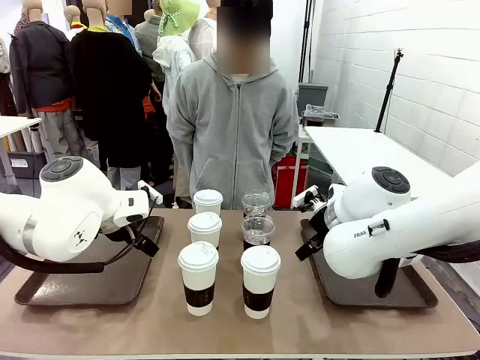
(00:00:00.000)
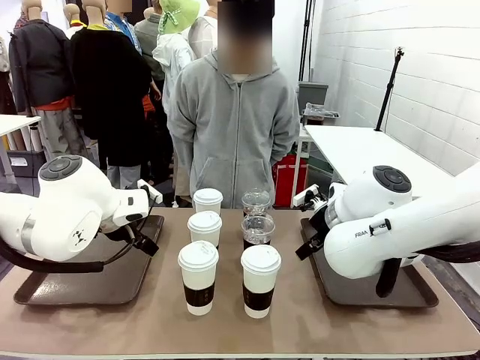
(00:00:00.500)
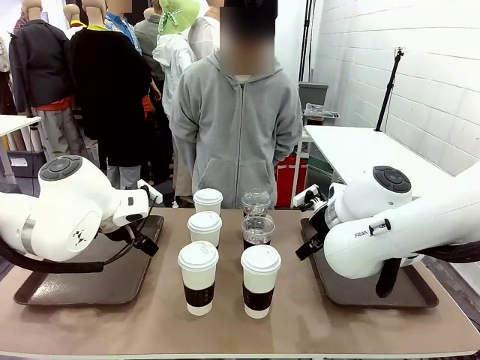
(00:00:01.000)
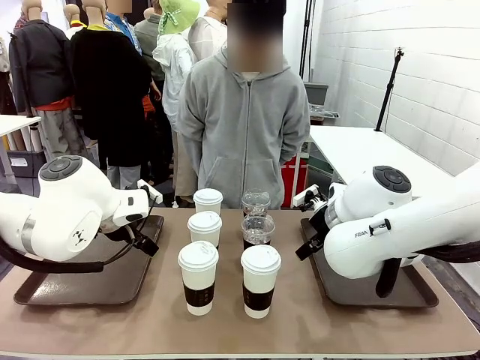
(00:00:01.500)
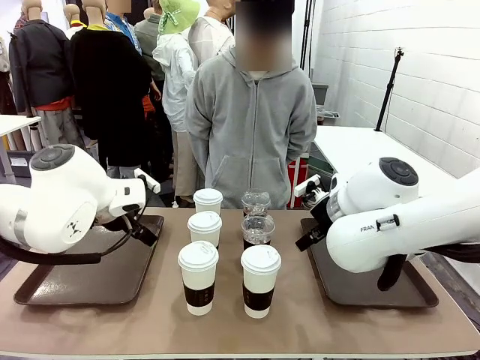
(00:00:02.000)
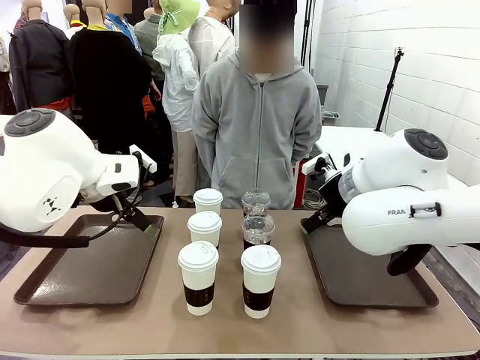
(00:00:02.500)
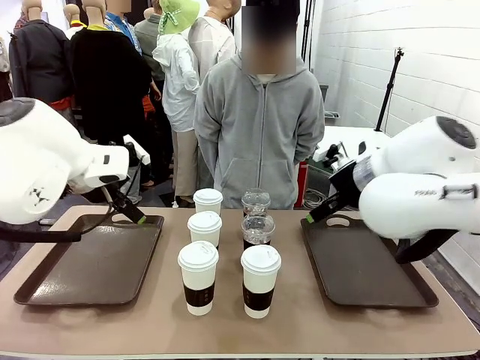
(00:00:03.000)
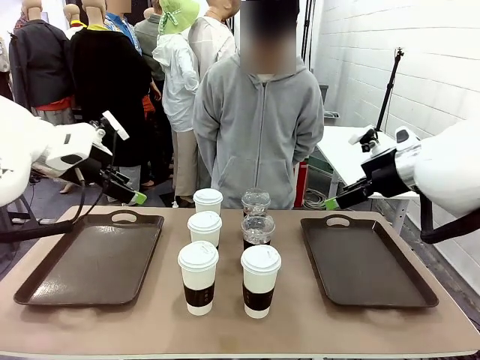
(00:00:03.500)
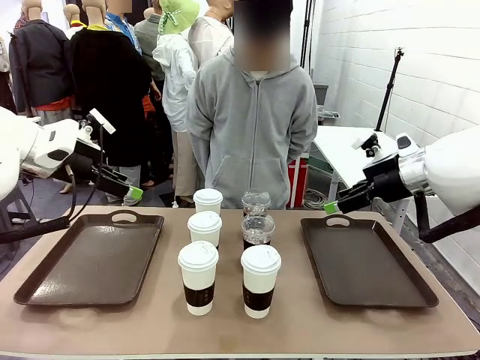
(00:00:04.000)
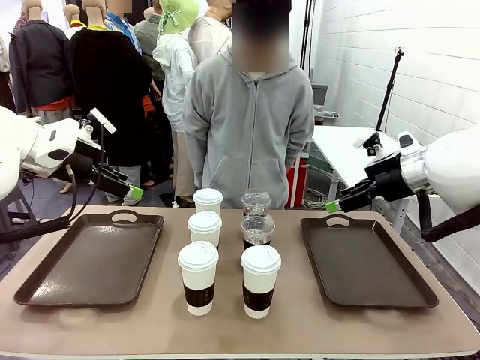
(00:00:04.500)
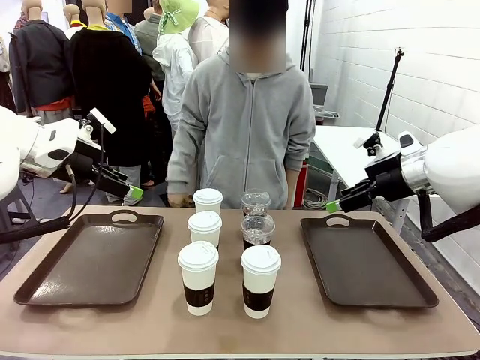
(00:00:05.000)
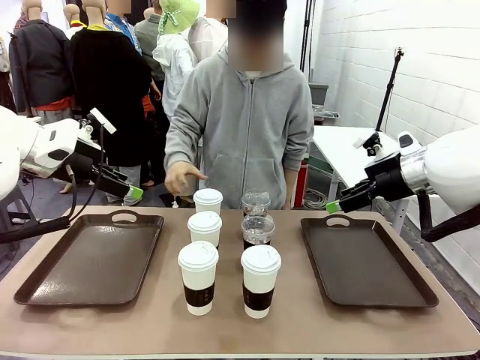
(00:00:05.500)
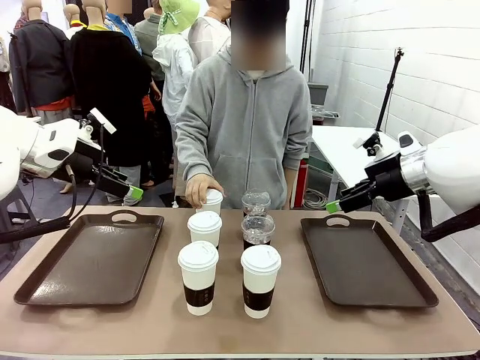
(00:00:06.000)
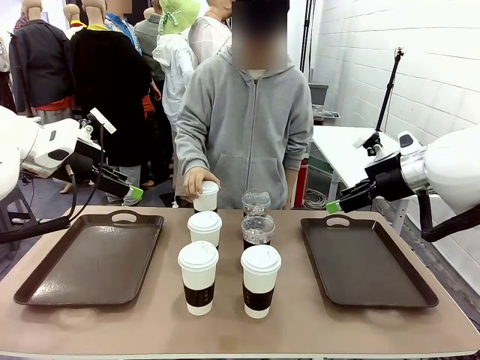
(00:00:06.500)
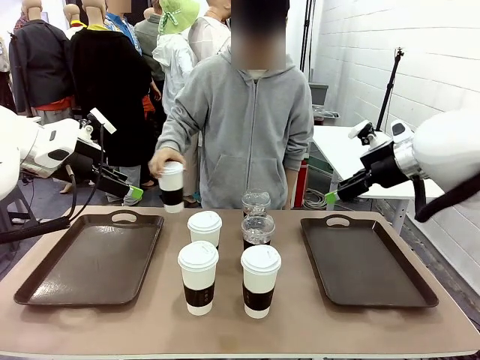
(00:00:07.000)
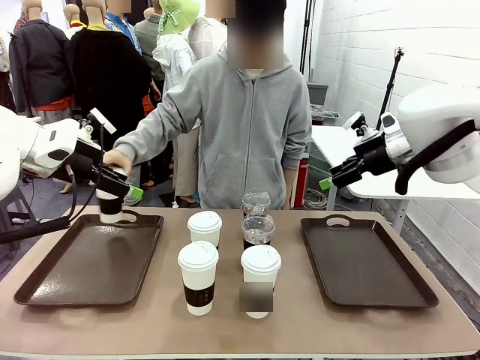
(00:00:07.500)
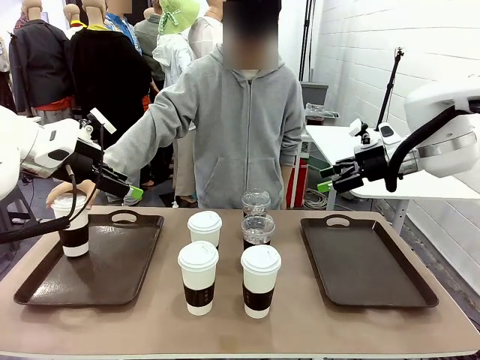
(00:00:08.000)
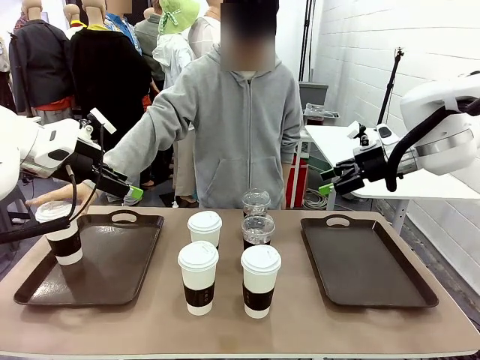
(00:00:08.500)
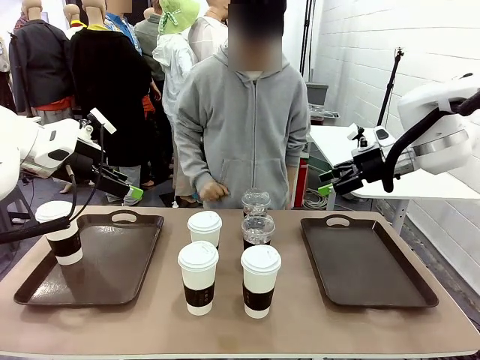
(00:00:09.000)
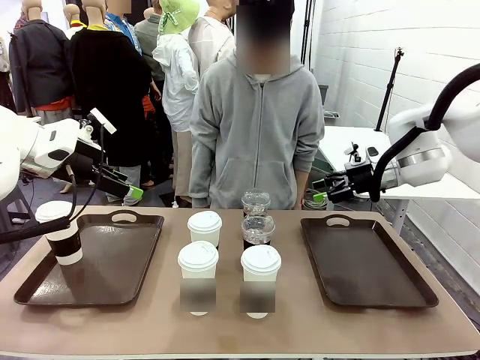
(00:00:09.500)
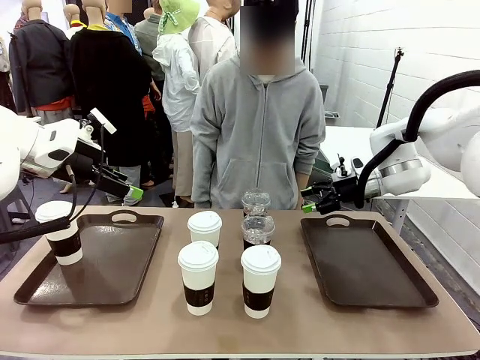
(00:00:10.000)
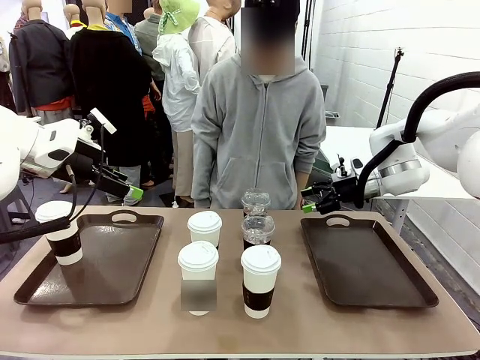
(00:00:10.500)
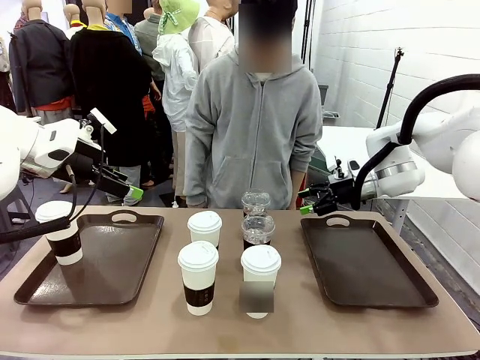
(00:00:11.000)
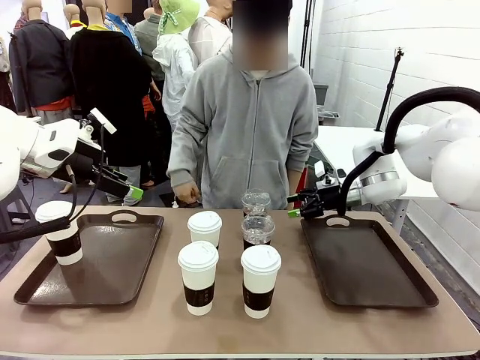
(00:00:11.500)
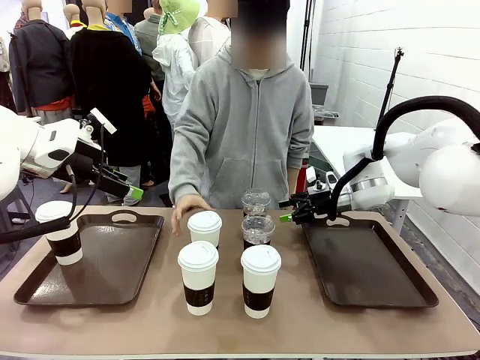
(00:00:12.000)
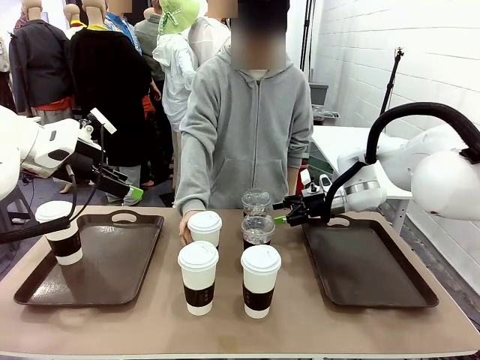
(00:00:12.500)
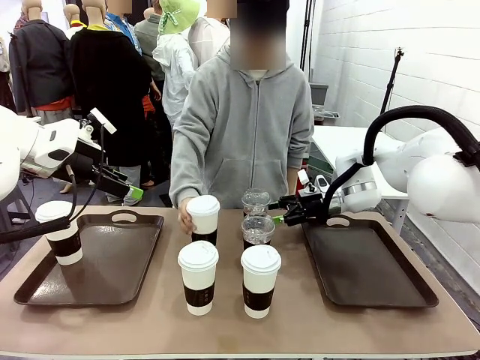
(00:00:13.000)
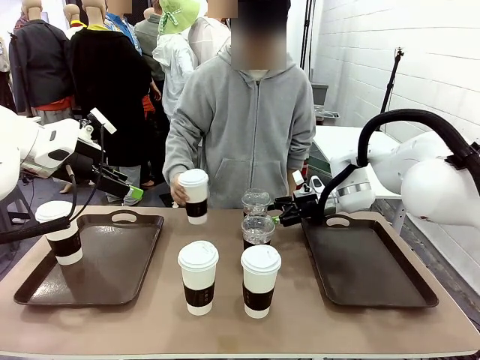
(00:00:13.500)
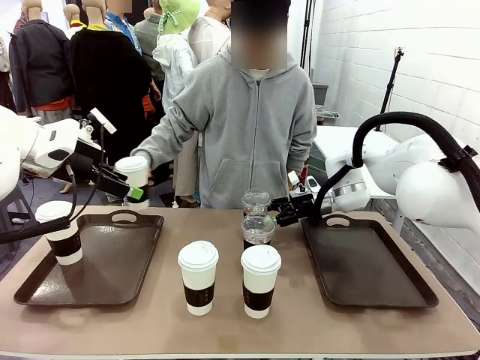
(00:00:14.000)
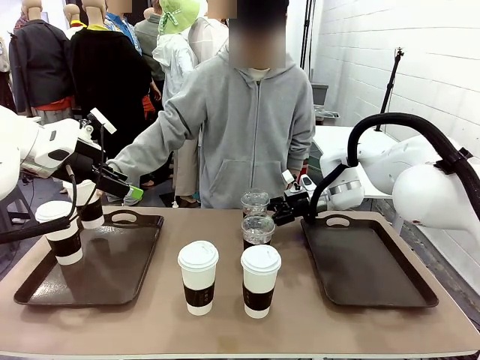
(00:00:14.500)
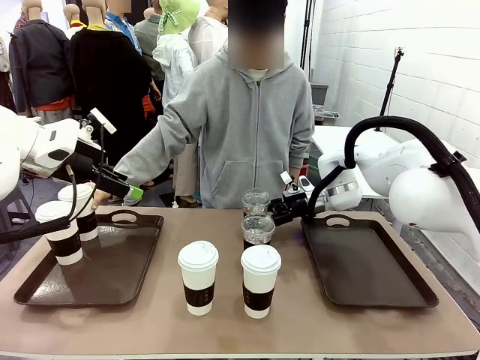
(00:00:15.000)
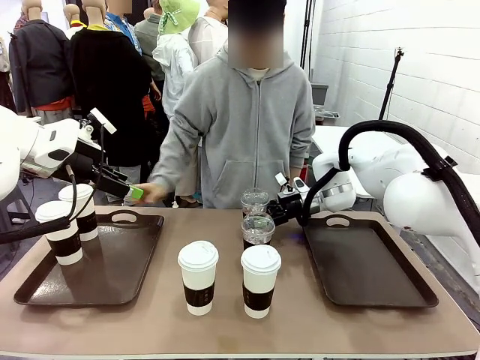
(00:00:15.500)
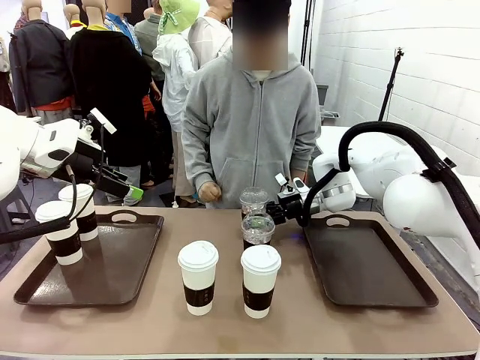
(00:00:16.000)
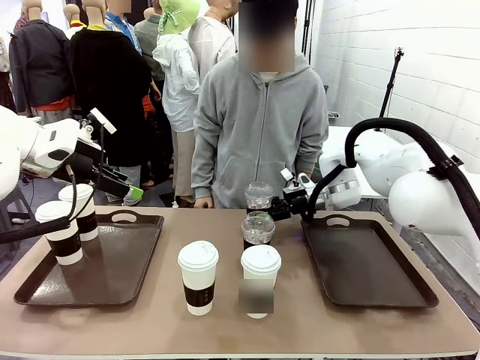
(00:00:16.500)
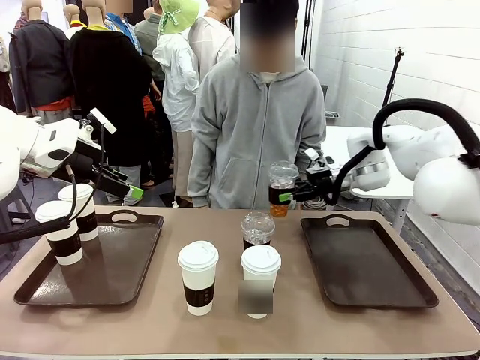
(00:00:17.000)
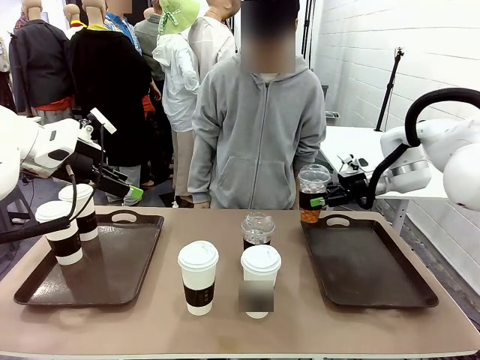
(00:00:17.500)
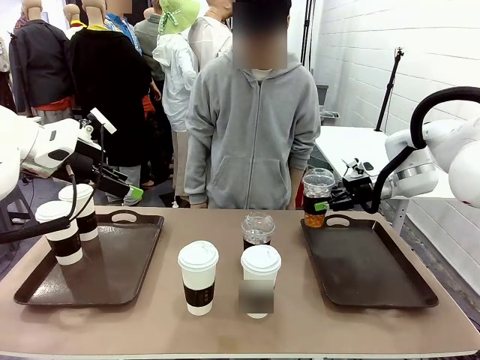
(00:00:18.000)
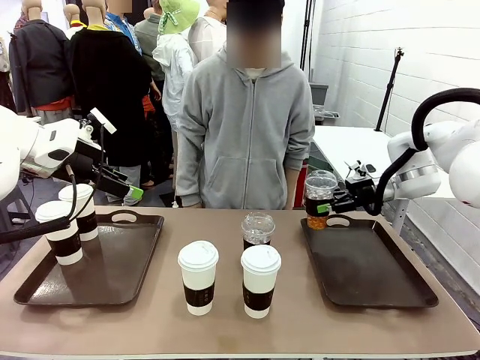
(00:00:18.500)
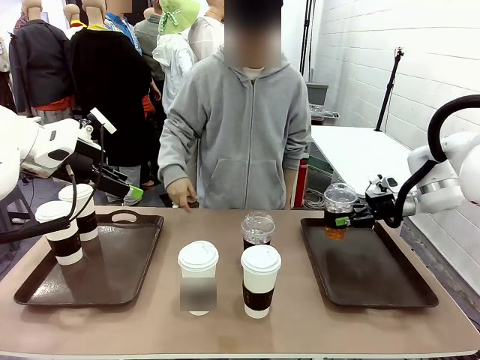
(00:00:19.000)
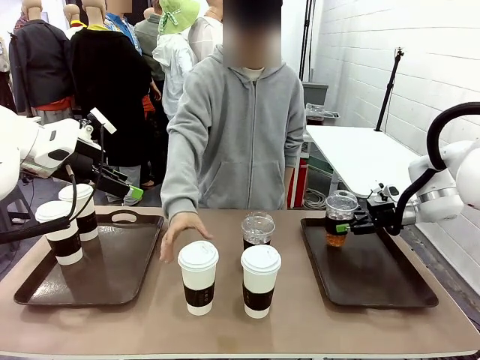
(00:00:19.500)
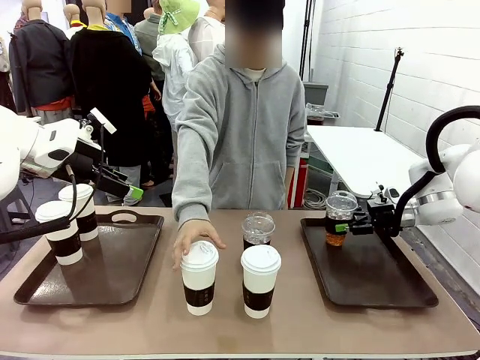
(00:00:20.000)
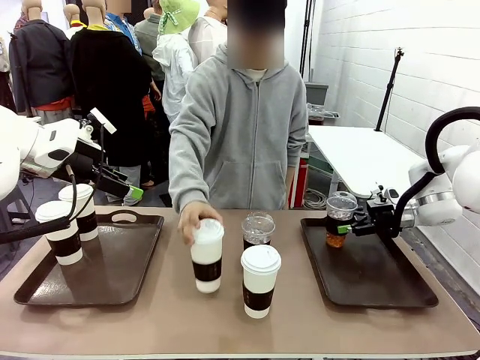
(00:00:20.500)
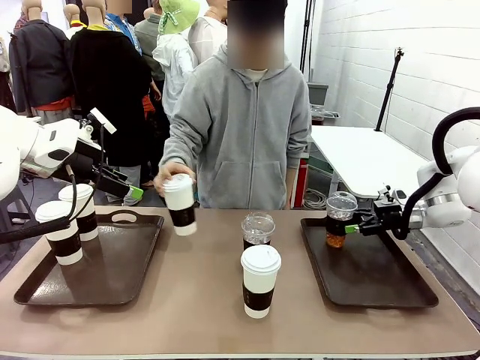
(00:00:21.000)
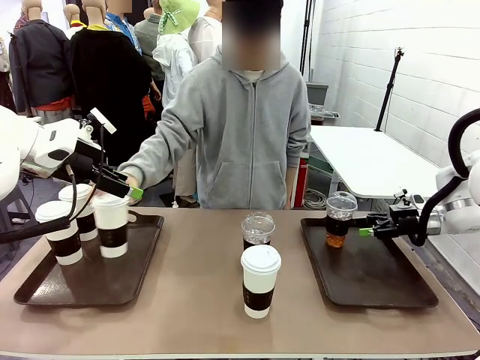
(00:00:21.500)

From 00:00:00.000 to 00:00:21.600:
Task: Distribute the coffee onto the tray.
Robot: Pick up one iced Americano and place it on the right Handle tray.
Person: Pick up a cup of hot Americano and place it on the right tray.
